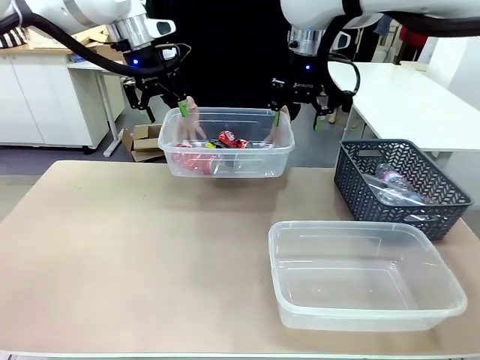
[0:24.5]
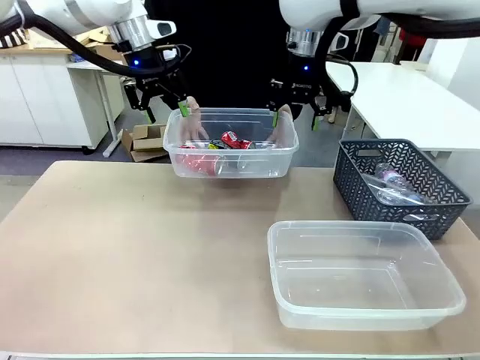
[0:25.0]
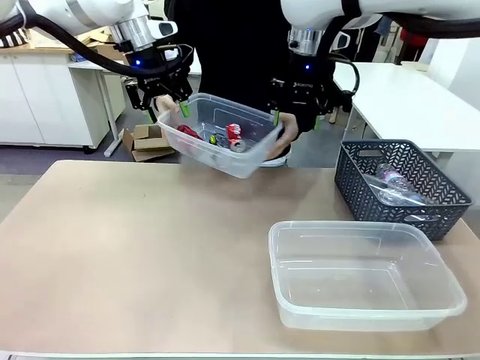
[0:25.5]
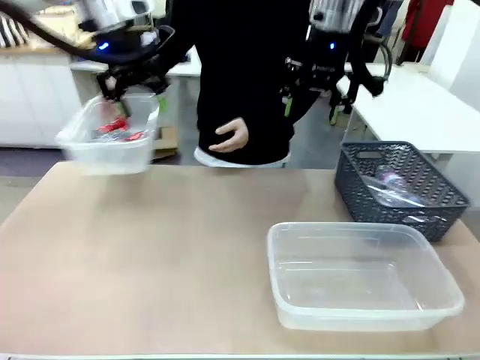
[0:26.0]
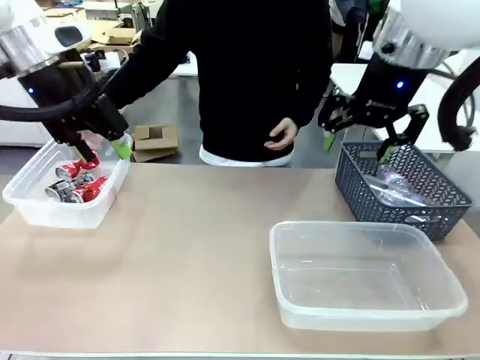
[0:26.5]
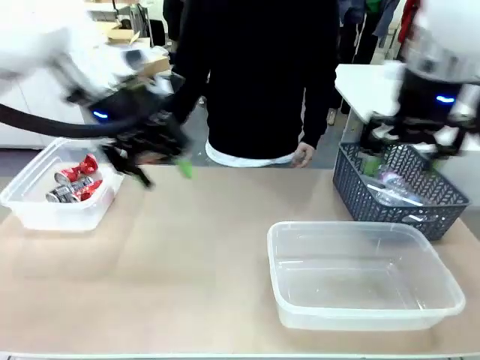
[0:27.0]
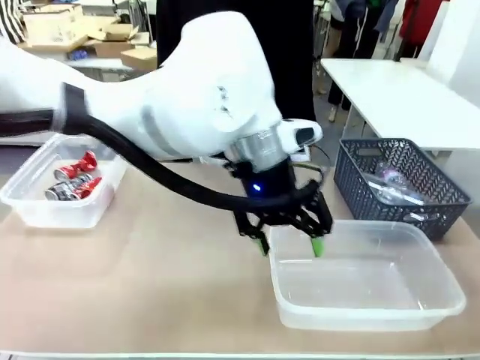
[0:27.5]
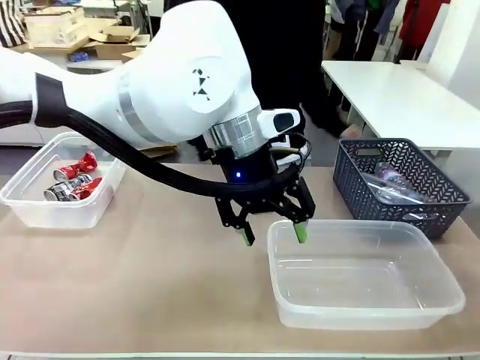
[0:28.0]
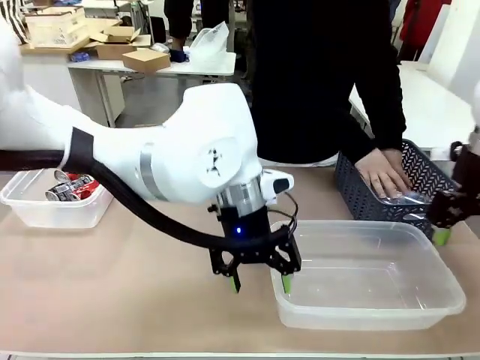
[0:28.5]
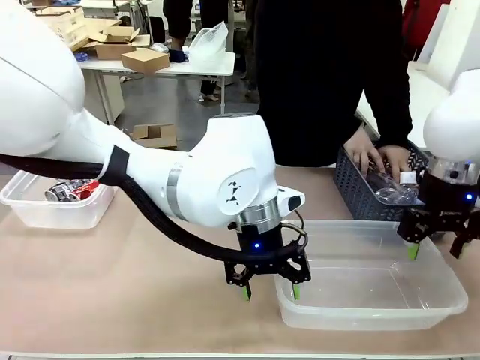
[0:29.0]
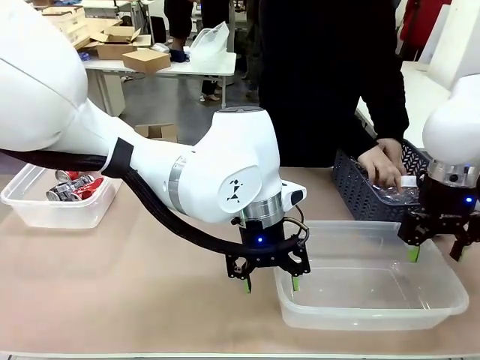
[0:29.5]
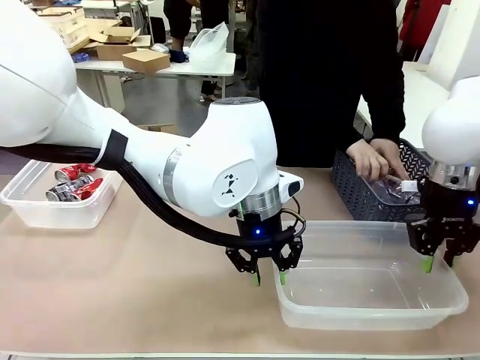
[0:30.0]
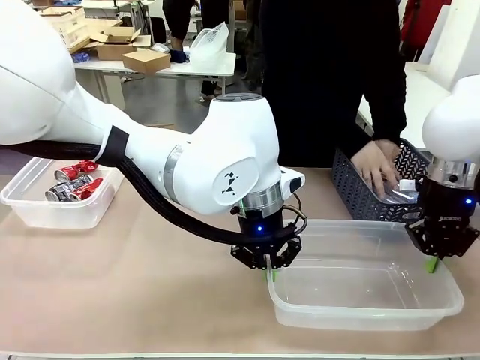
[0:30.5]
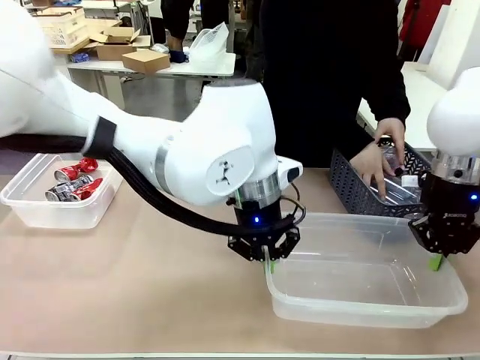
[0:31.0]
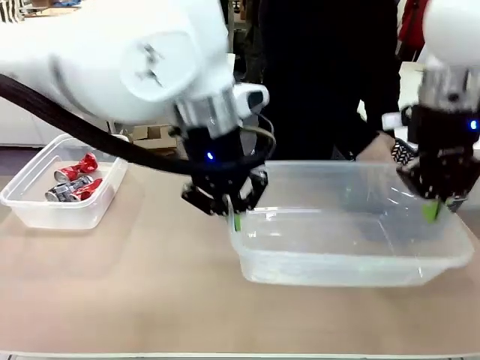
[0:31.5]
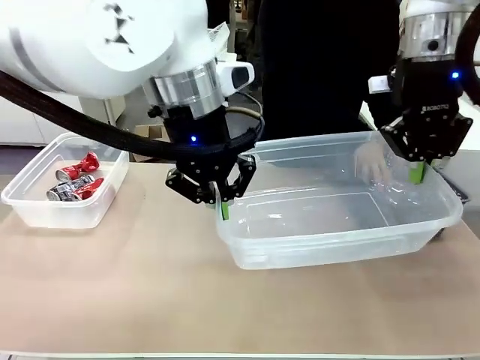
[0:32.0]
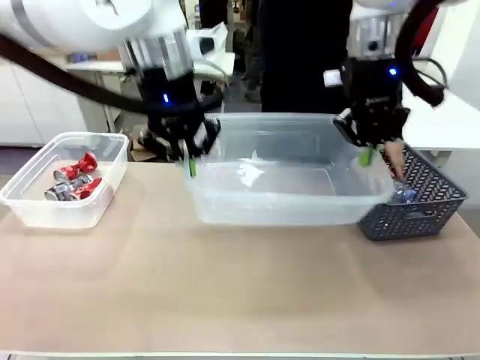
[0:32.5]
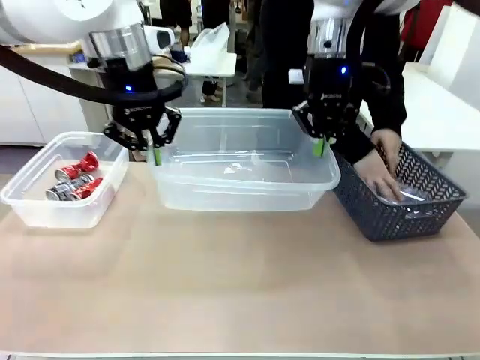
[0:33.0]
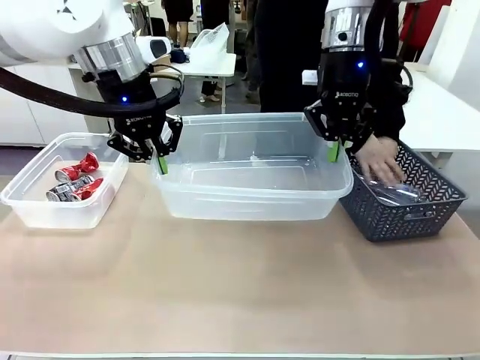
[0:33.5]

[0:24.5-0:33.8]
Robot: Pick up the Organizing box on the right side of the table and lift it.
Person: Place it at the edge of the bottom right area of the robot table. Pick up plastic waste one by one and place it into the organizing box lifted by the robot.

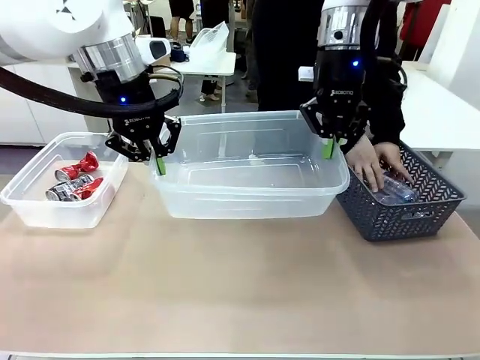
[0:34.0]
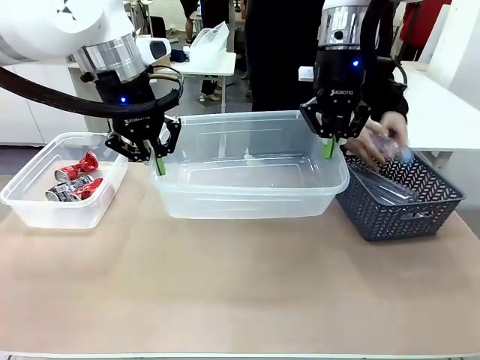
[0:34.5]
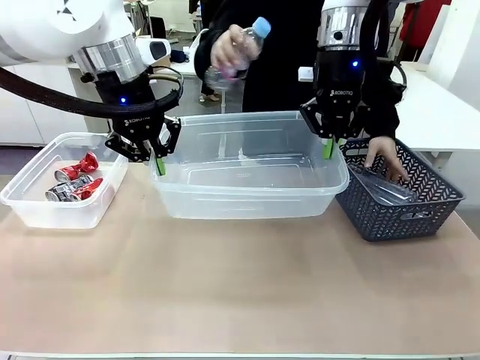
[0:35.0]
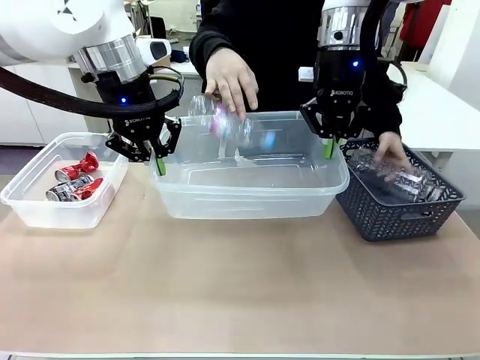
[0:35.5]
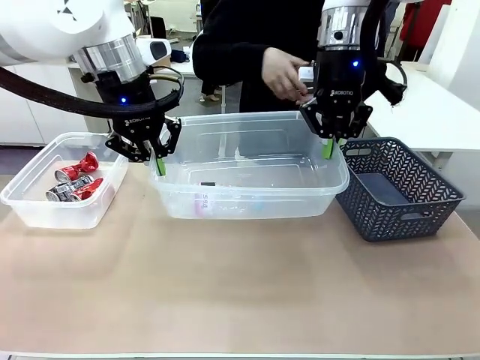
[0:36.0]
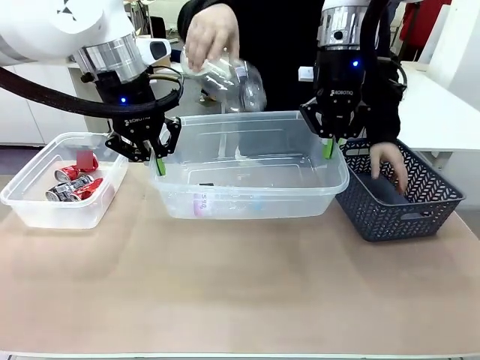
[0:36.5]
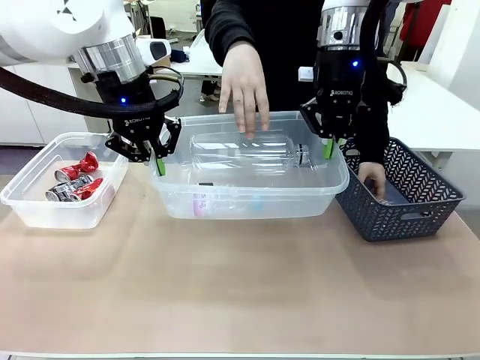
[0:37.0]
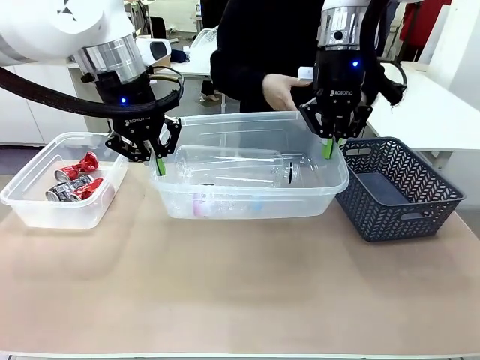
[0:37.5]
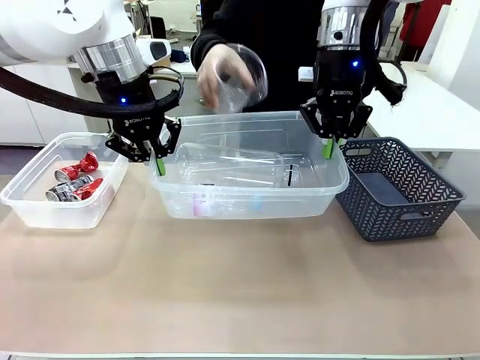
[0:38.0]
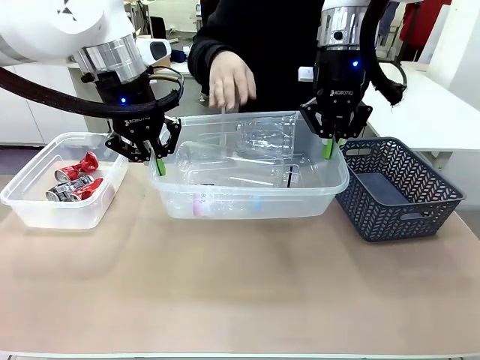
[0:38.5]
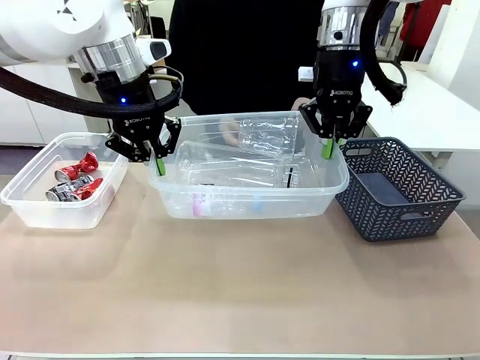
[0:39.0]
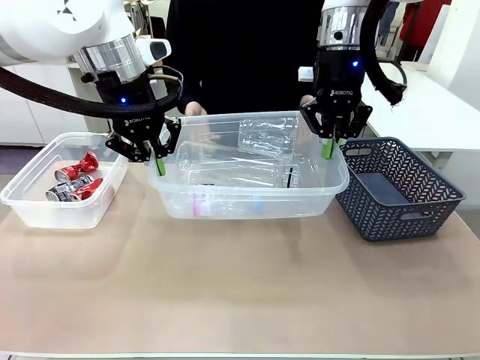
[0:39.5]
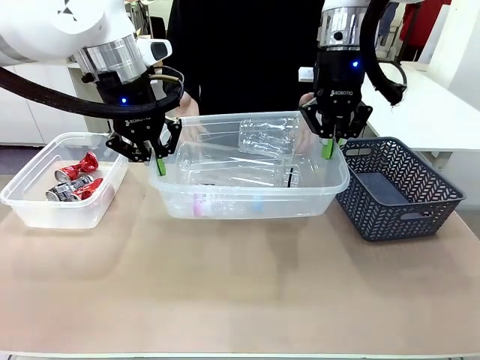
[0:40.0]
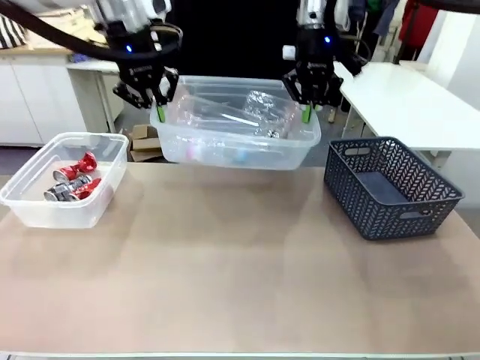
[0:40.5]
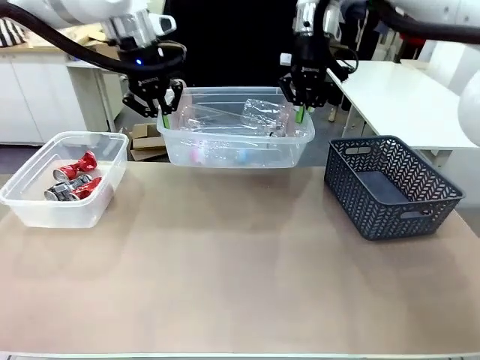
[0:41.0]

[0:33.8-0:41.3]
Robot: Offer the picked Organizing box to the human.

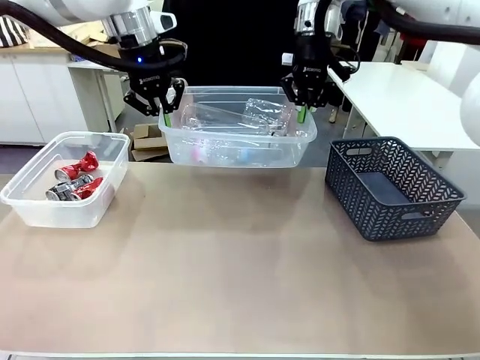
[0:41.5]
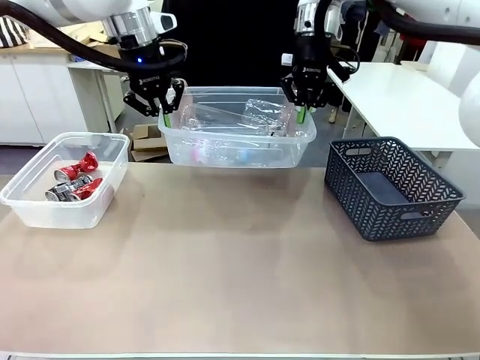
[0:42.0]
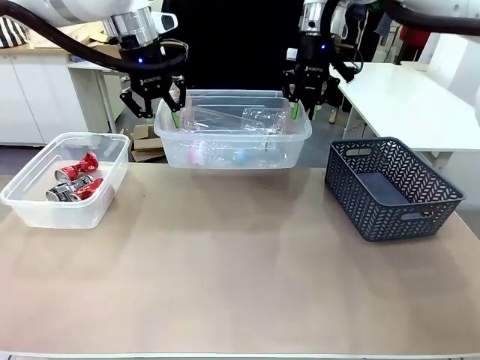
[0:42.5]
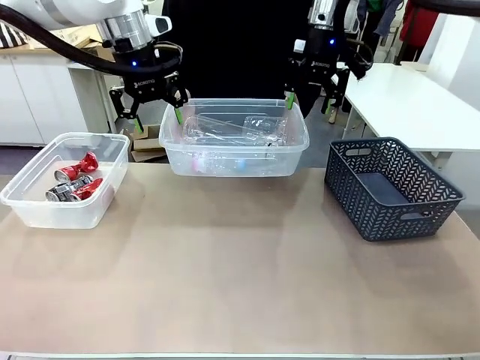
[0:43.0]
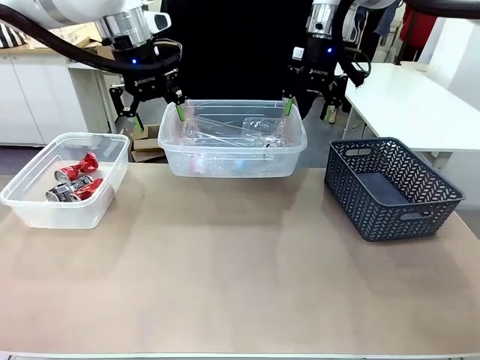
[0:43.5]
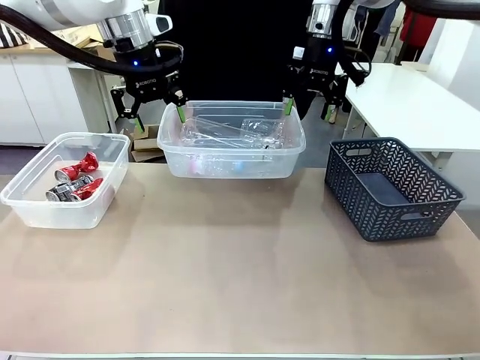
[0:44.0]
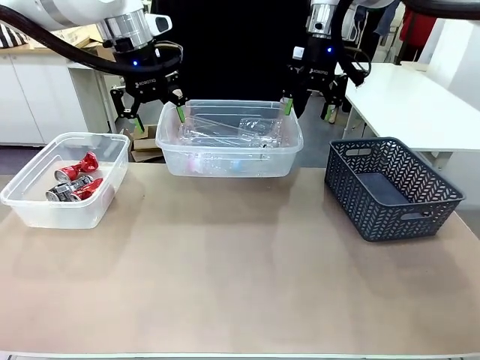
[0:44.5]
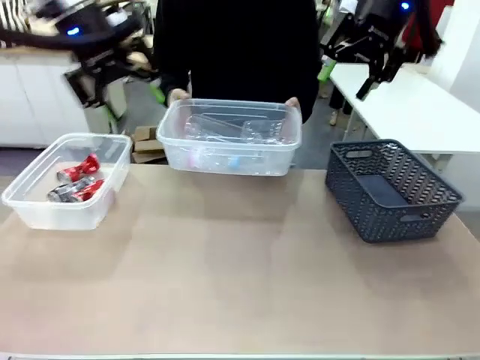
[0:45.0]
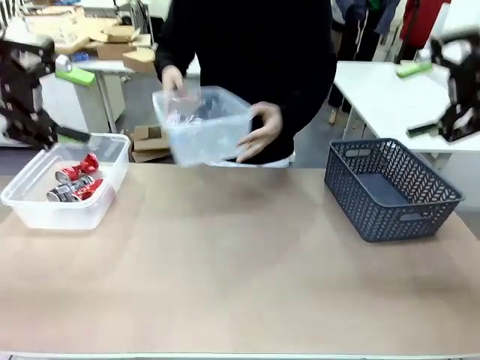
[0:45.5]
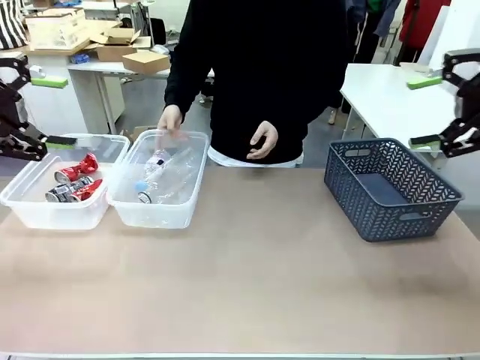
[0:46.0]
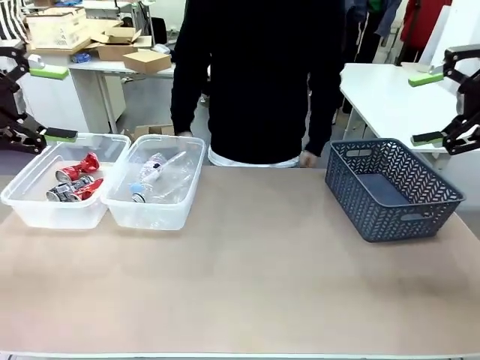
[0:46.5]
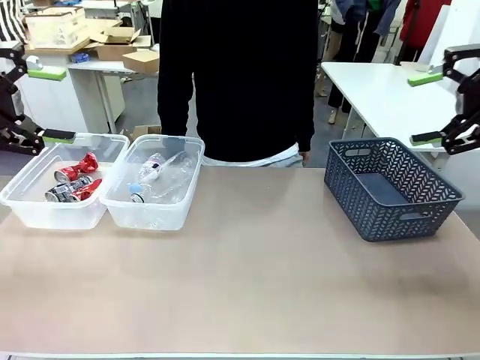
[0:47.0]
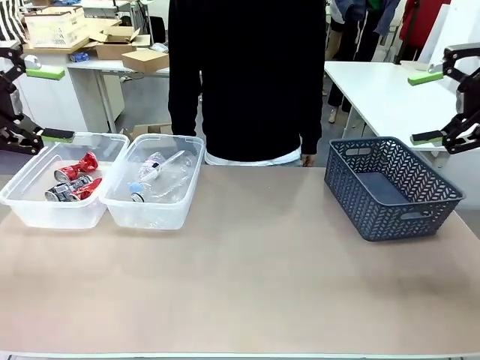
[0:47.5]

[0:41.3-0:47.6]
Robot: Release the Organizing box you were holding.
Person: Pick up the organizing box extended by the robot. Place the organizing box to the left of the sorting box containing the can waste.
